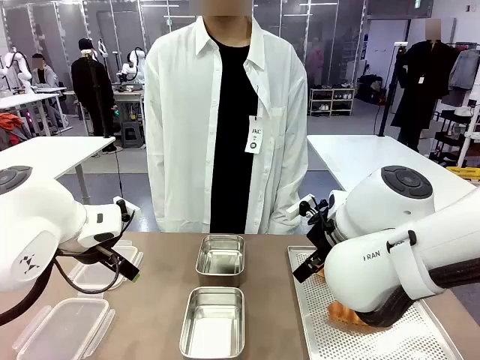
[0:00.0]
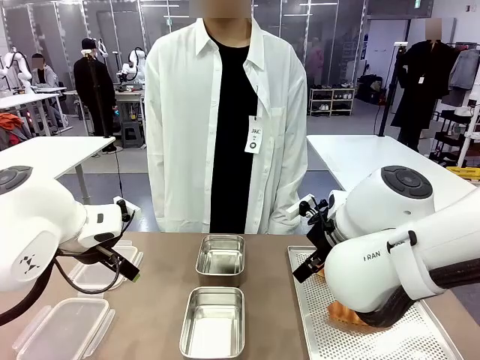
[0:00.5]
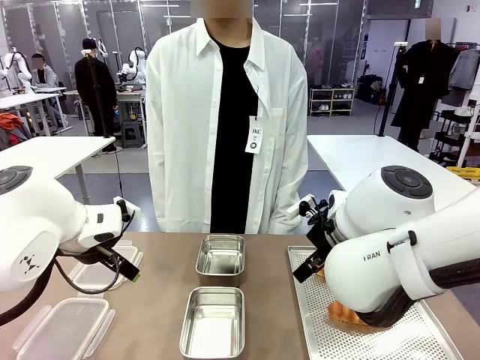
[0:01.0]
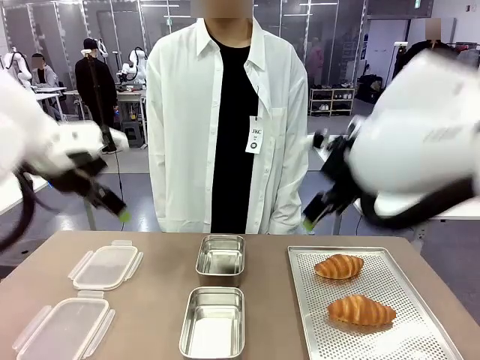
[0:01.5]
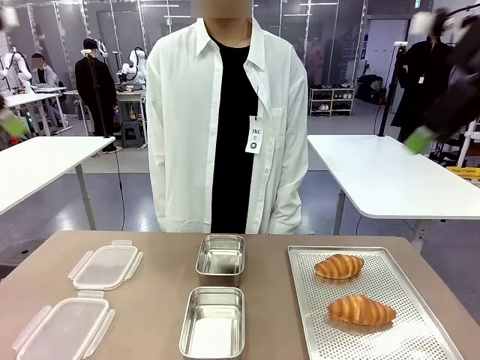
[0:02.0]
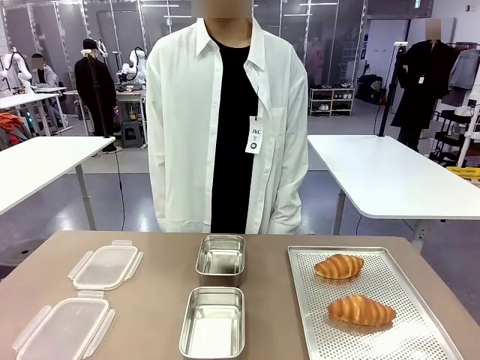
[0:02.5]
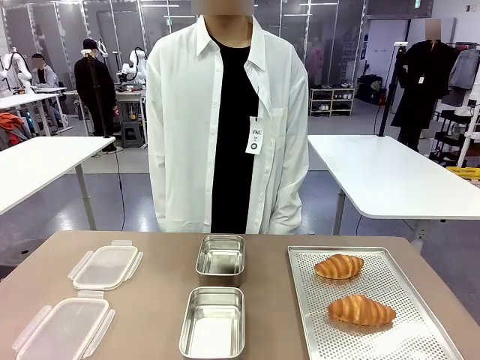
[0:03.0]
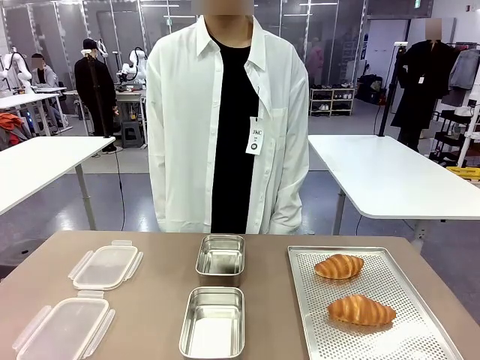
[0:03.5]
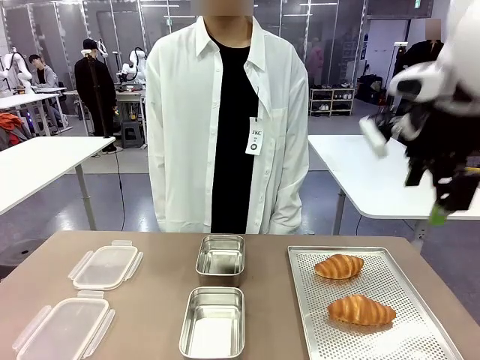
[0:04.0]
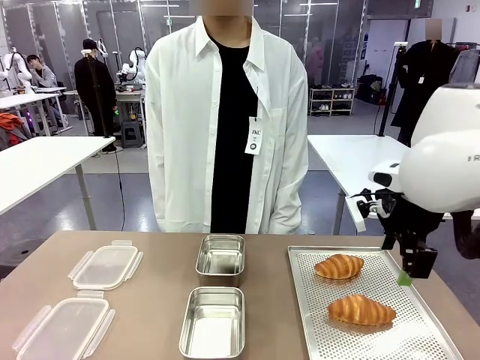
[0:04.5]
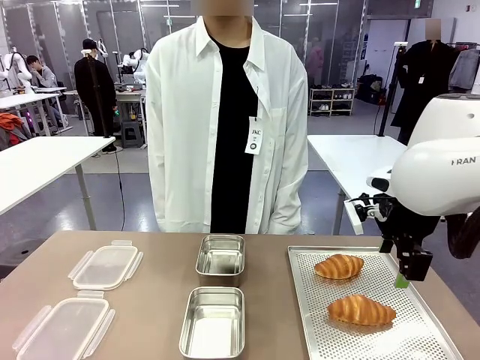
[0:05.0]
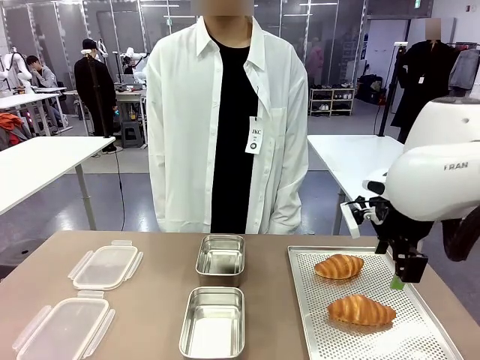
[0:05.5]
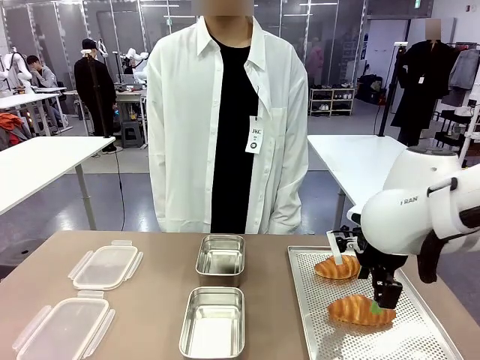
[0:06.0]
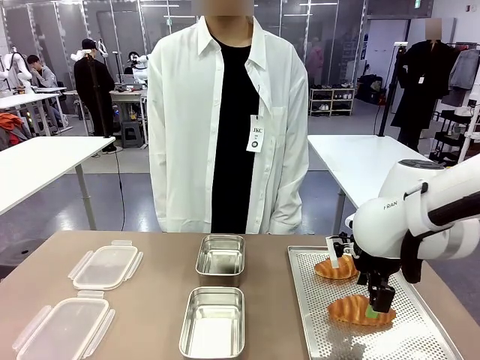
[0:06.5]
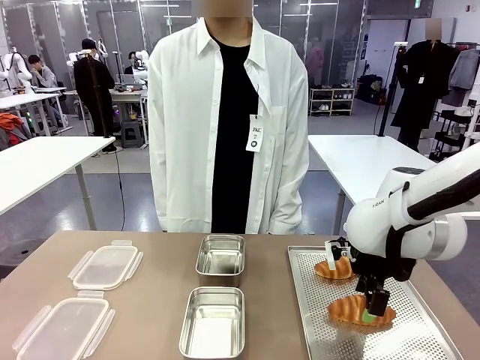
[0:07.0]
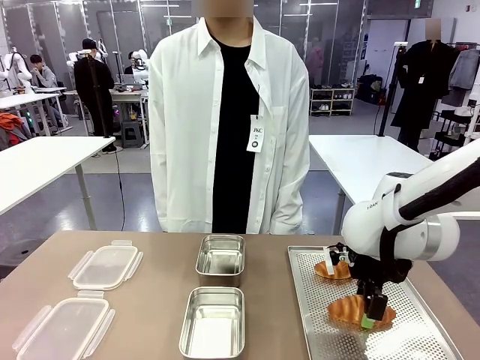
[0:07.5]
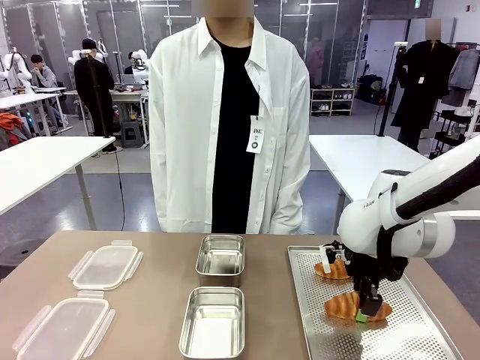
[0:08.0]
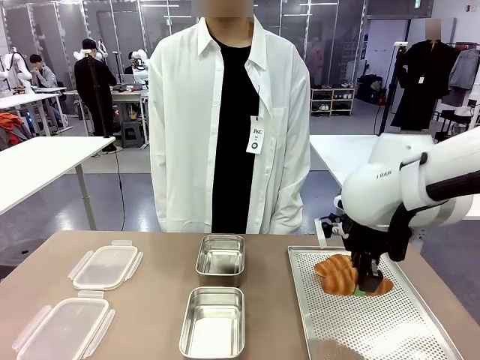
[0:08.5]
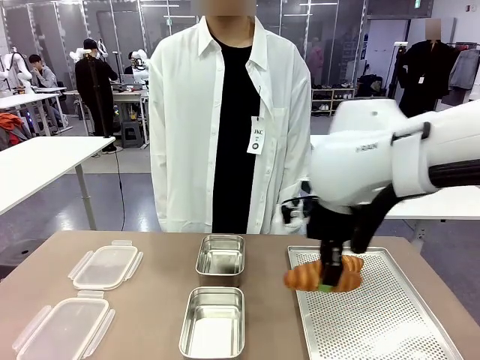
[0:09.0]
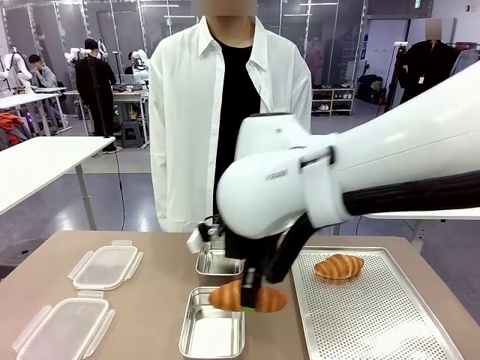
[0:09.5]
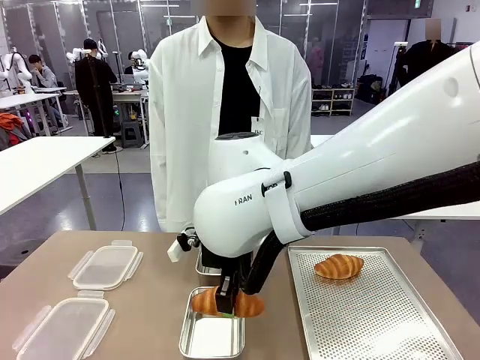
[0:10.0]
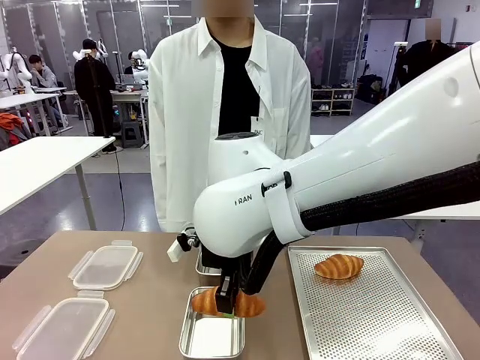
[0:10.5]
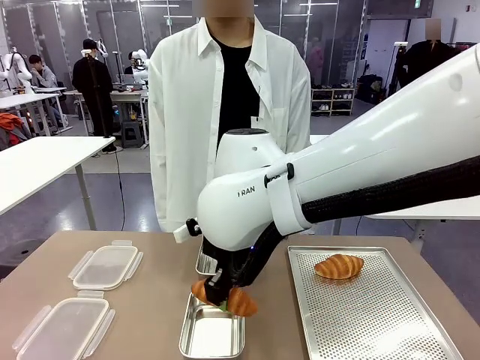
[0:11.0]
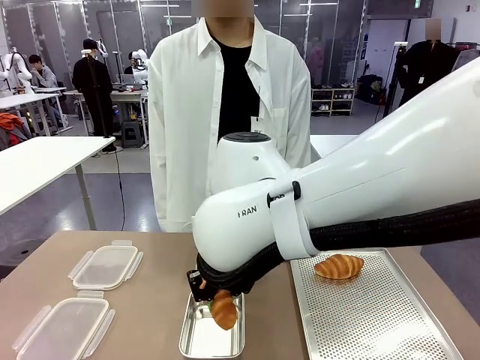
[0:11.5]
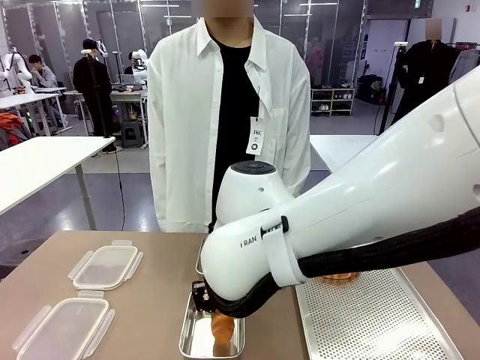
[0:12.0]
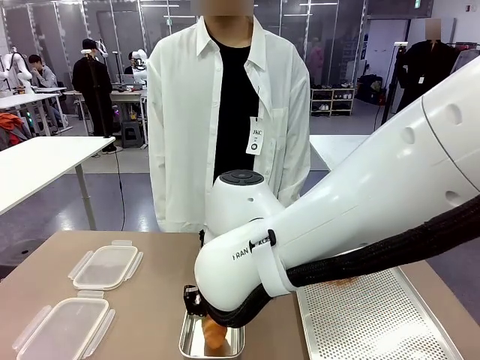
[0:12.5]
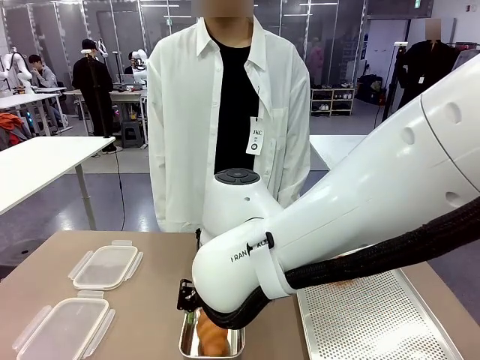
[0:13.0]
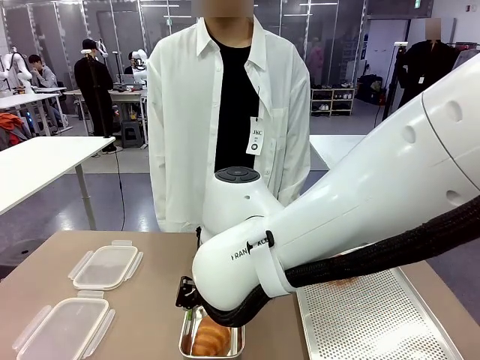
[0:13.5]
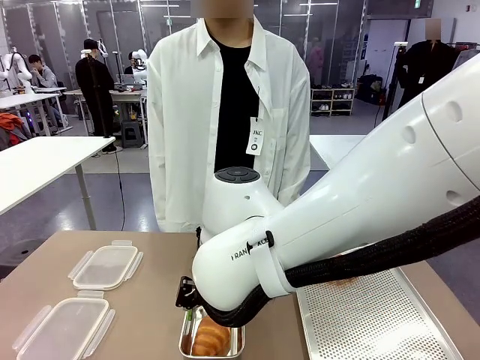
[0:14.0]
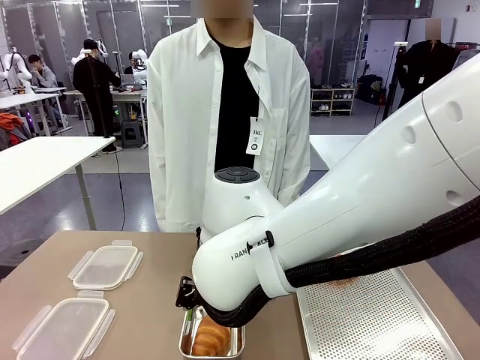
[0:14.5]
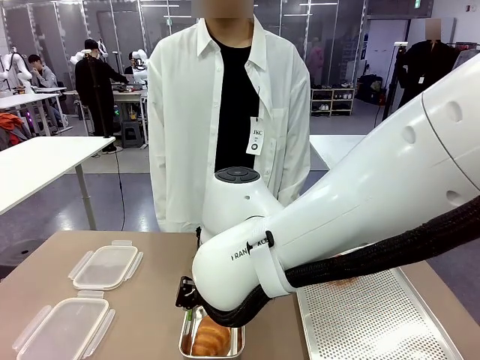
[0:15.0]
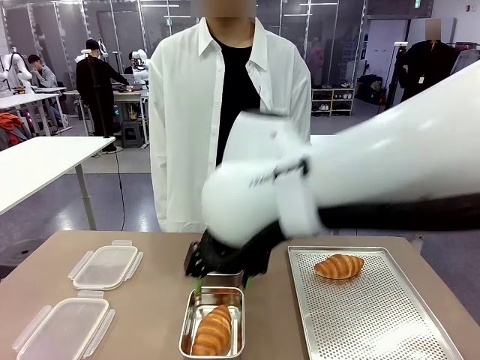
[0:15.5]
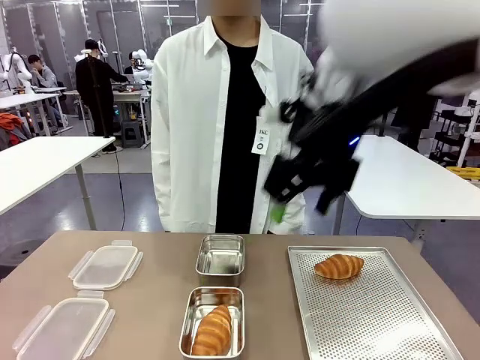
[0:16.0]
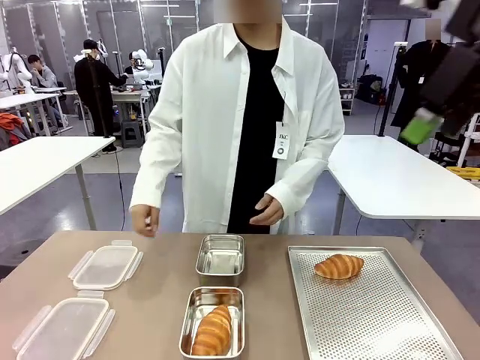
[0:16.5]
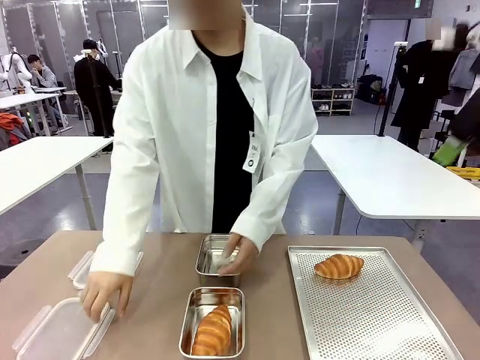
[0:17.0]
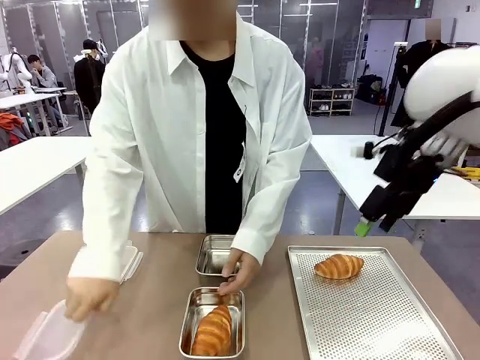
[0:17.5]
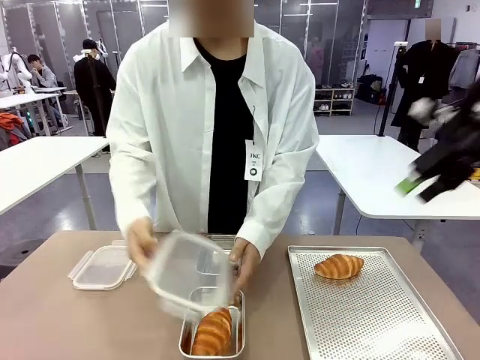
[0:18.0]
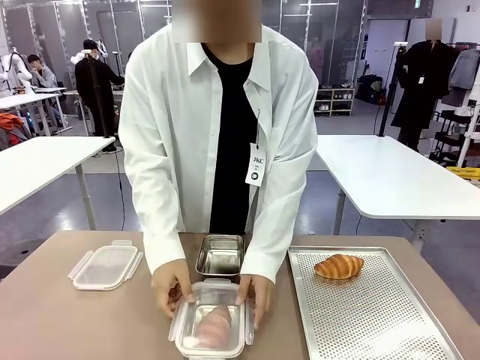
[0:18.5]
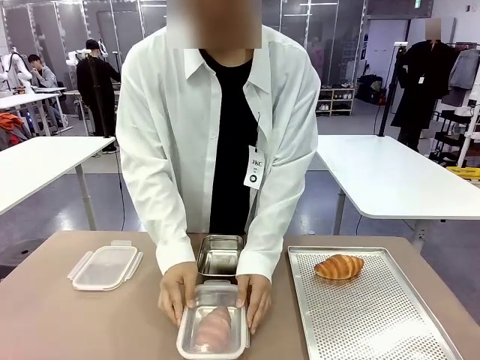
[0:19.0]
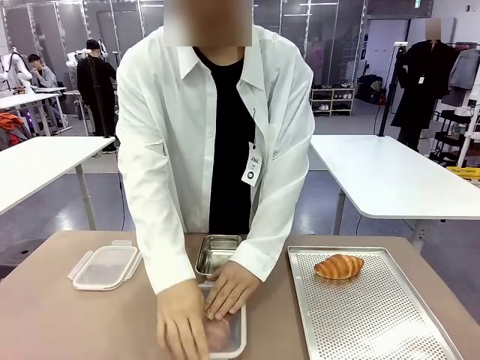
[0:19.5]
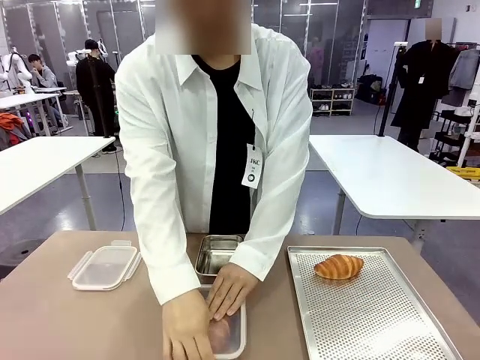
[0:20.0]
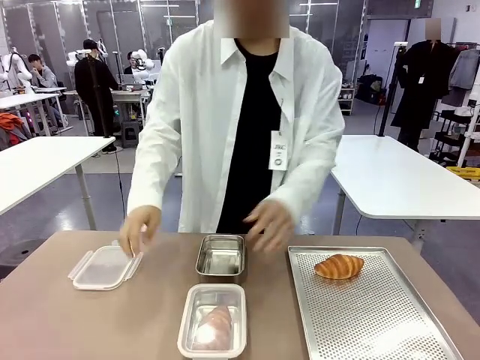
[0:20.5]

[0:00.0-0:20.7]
Task: Place the bread into the airtight container.
Robot: Pick up a Butter Roll and place it into an empty Airtight Container.
